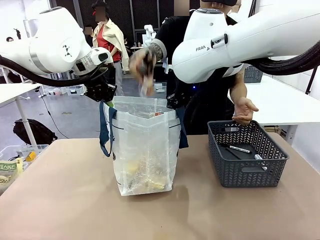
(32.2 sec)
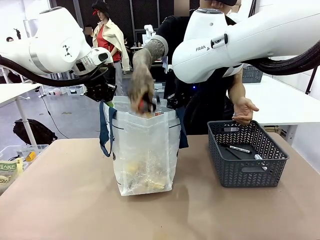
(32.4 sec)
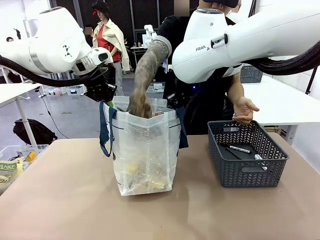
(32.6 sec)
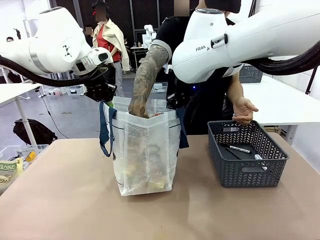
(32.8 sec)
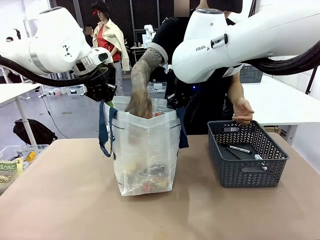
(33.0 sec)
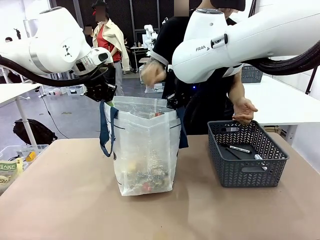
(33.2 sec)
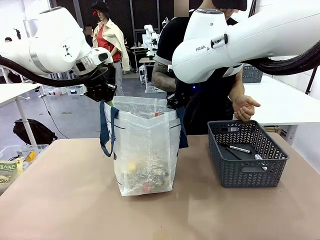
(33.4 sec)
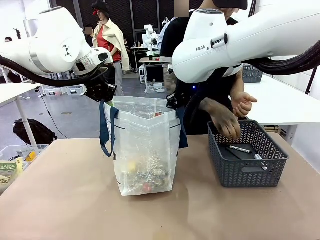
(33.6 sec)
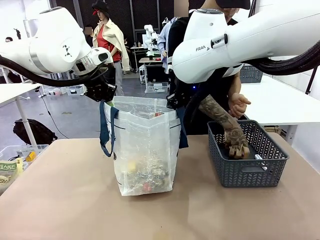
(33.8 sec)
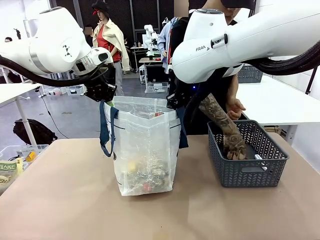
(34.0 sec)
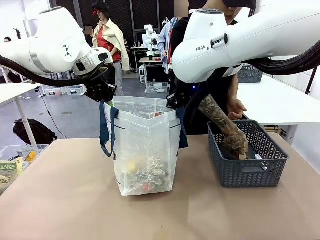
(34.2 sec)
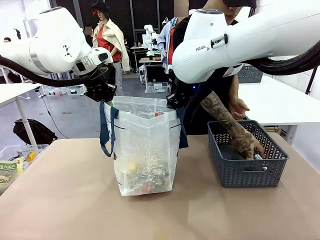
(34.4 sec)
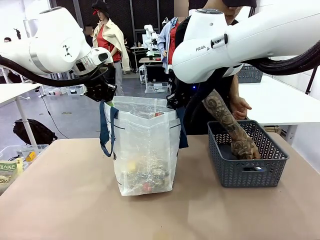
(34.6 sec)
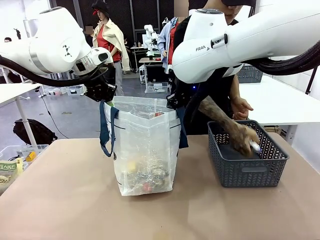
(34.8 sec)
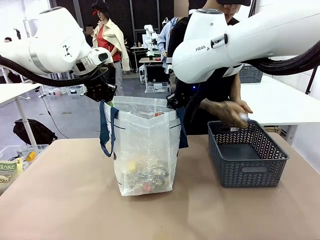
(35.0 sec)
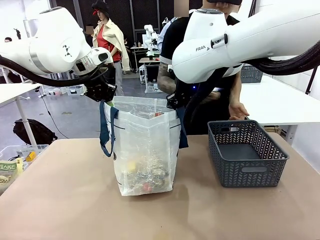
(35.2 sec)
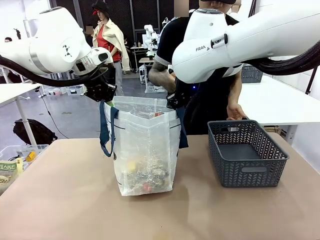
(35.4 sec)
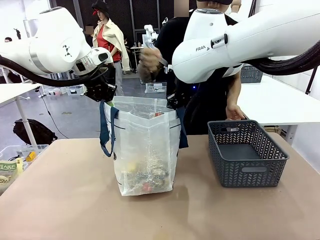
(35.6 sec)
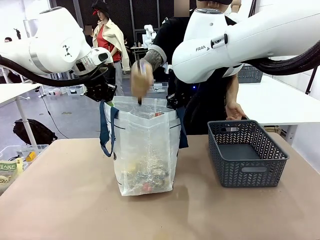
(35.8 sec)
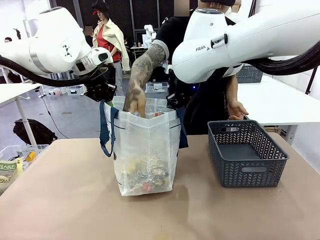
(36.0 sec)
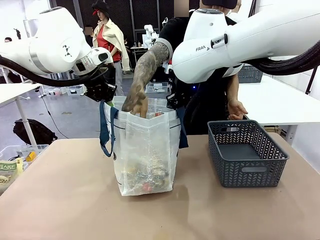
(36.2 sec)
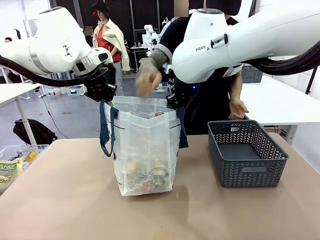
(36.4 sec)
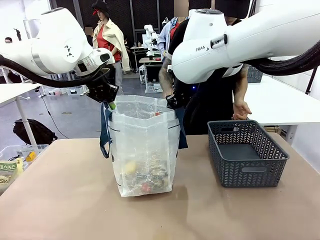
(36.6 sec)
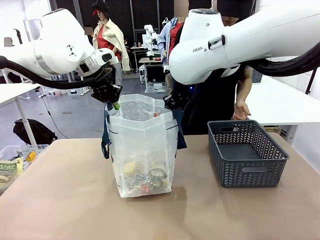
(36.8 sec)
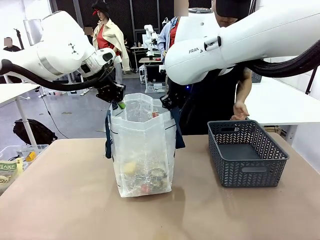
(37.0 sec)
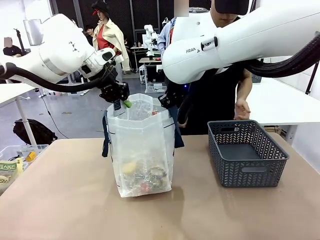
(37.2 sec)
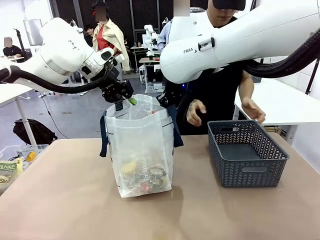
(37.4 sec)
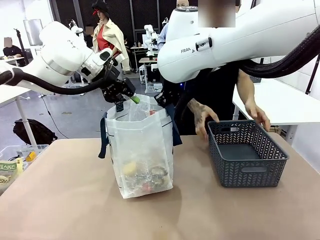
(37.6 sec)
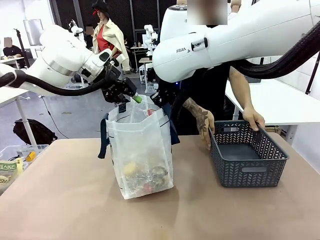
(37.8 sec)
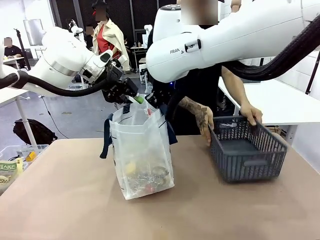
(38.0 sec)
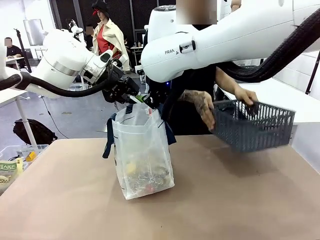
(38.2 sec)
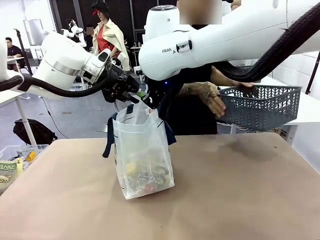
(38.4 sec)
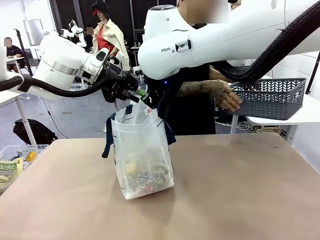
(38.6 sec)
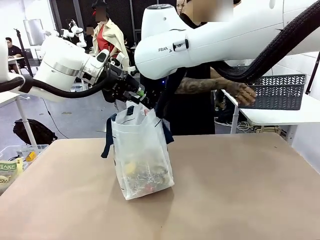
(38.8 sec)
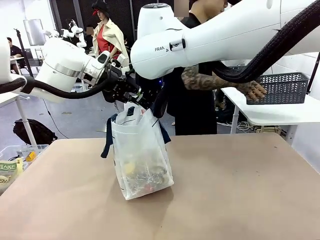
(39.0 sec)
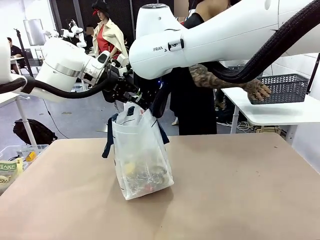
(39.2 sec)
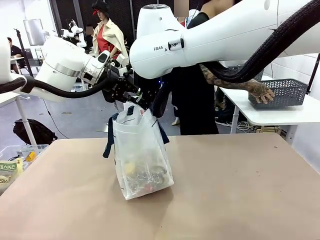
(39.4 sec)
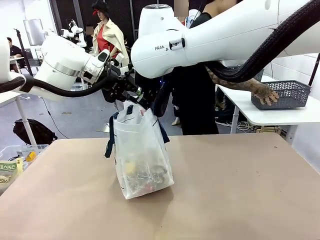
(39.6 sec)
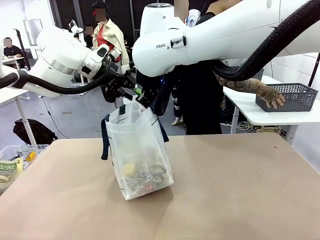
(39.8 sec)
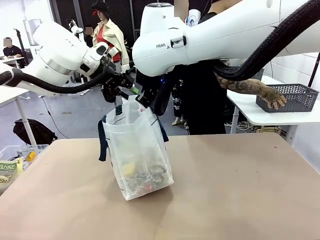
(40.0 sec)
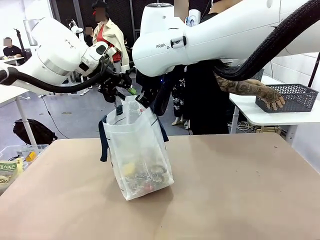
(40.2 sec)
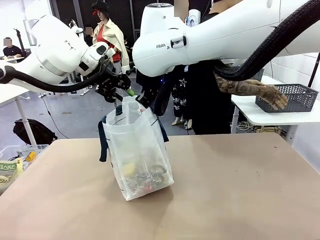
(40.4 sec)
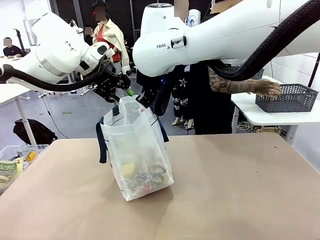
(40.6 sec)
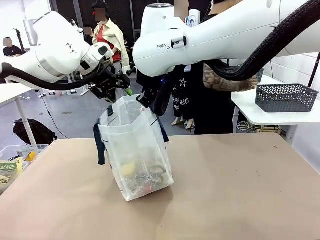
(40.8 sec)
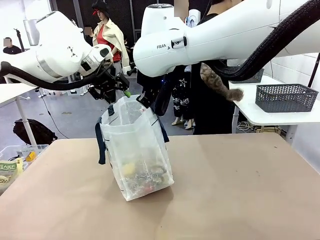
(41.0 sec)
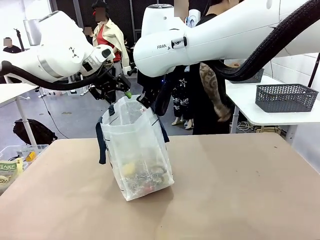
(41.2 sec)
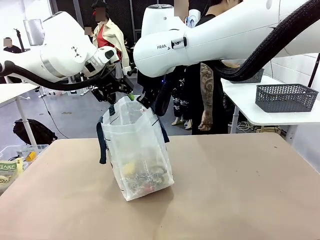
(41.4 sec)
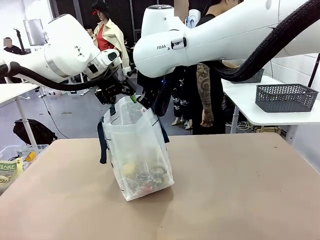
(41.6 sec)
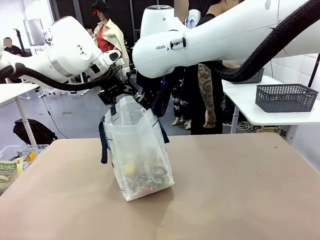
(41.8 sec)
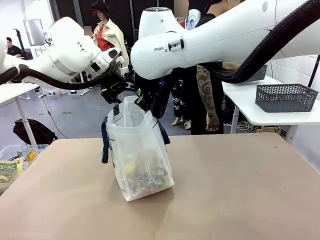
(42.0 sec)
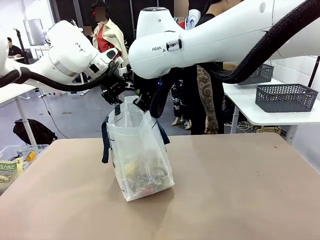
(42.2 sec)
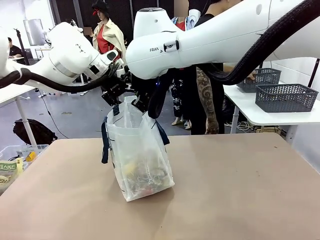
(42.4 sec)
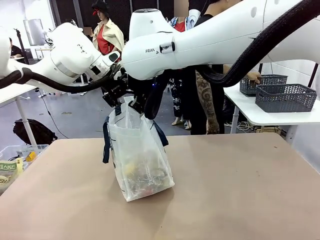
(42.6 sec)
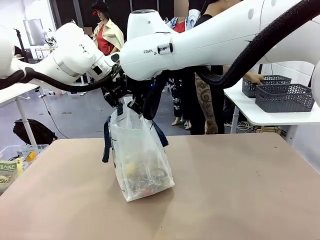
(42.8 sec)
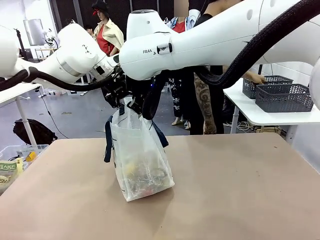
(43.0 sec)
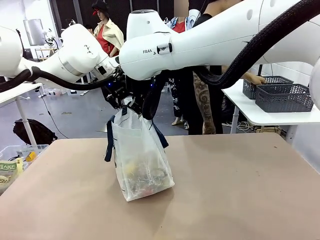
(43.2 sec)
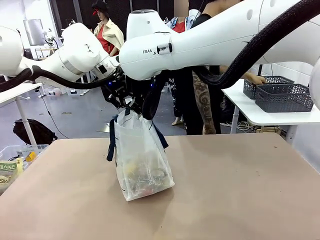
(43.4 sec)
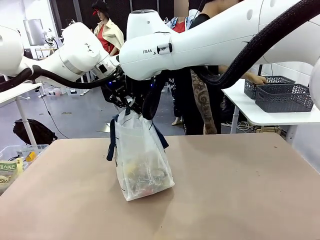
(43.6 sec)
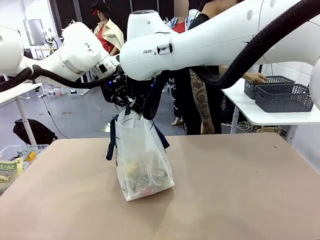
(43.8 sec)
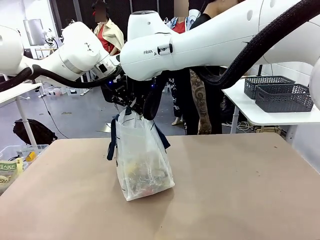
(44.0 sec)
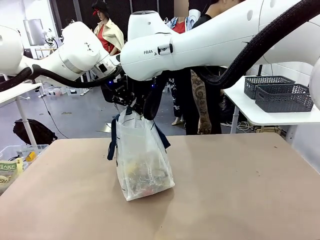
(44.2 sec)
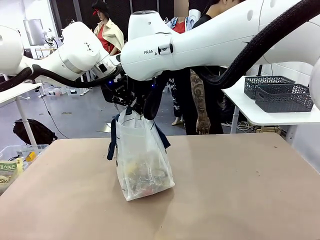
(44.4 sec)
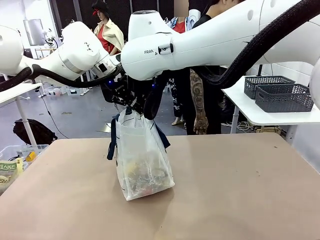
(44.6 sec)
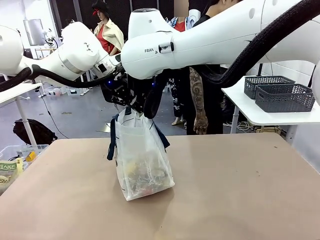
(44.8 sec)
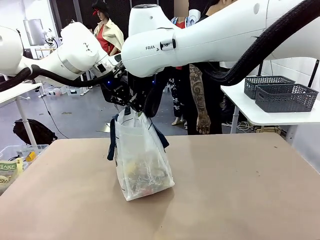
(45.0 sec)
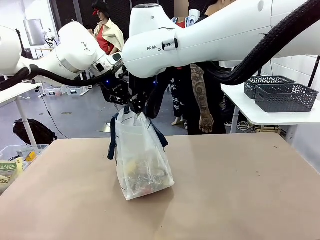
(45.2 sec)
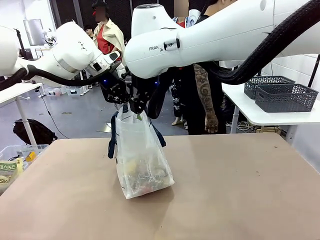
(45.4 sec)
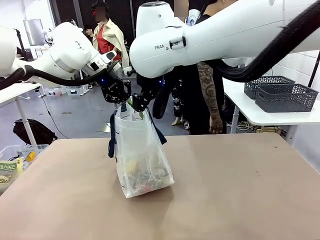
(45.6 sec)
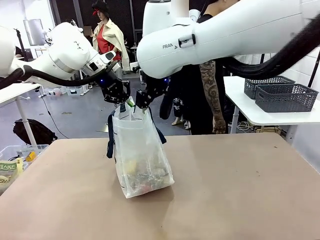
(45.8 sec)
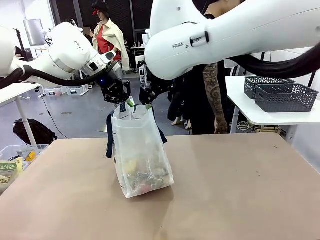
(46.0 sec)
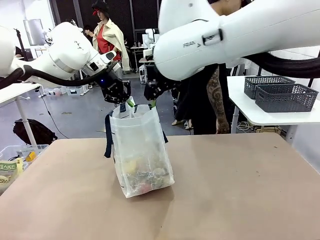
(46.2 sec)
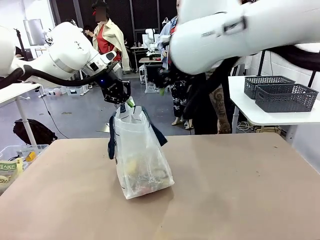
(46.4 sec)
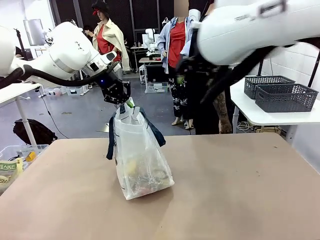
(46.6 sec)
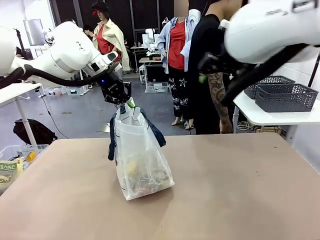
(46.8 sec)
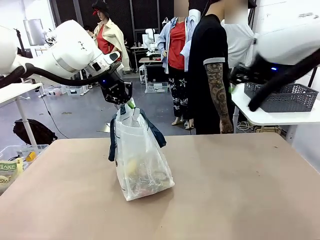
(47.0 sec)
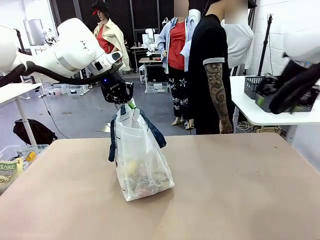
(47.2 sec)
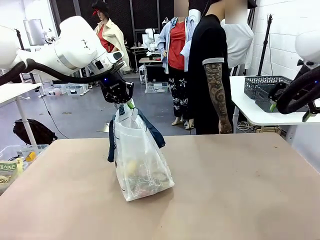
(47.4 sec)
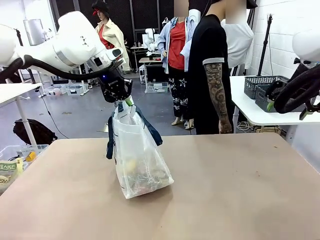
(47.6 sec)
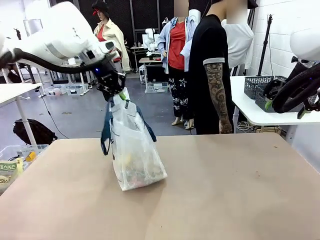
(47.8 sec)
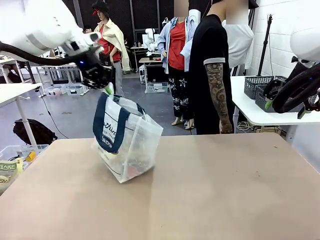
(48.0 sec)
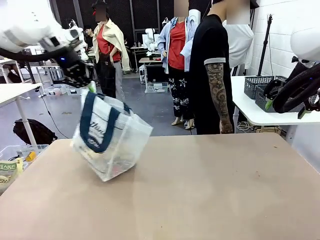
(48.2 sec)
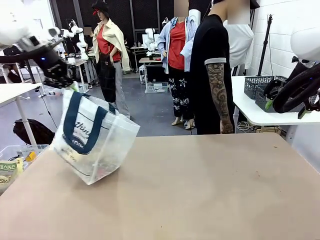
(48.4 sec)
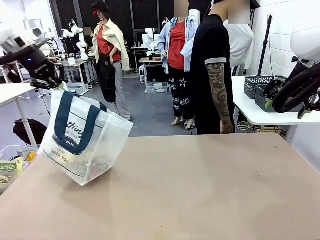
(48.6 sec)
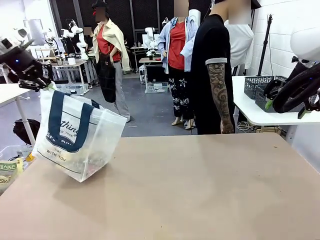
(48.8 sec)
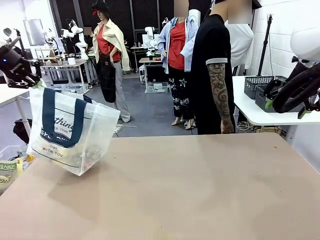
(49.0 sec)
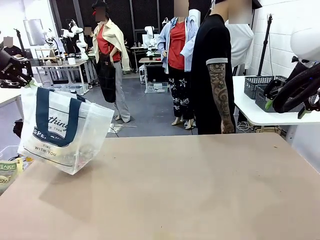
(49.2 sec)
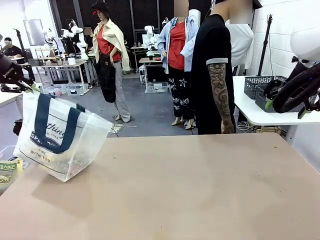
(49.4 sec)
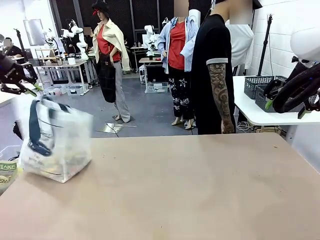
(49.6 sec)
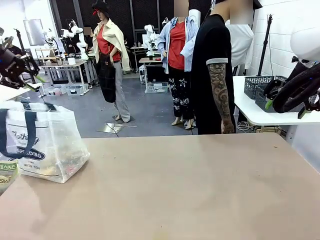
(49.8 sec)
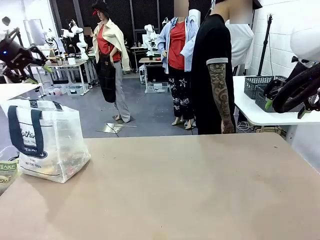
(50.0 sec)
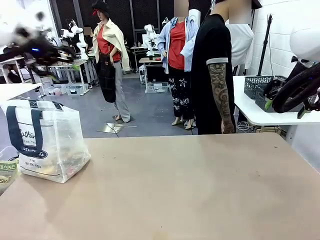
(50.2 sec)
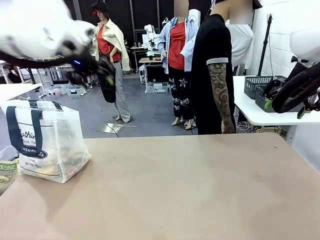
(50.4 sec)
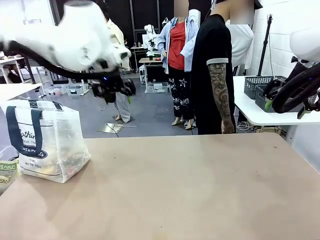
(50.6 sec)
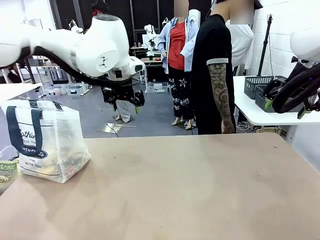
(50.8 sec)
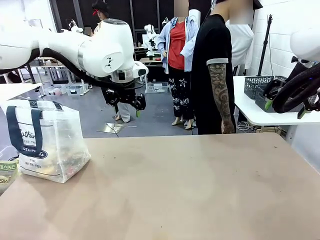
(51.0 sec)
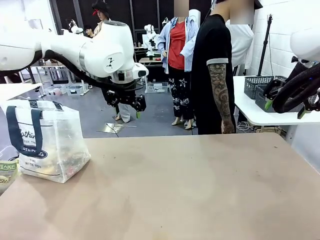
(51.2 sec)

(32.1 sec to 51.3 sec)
Task: Transfer purchased items from the store into the shopping bag.
Robot: Move the Reusable shopping bag to the right side of the table.
Person: Move the basket on the left to the middle of the person's table.
